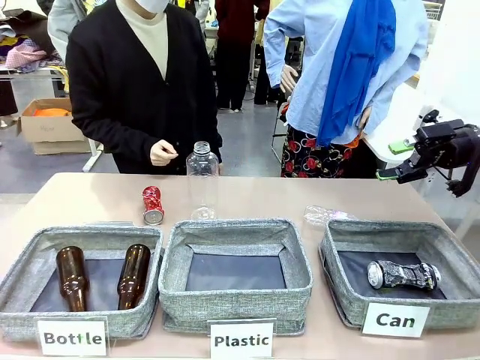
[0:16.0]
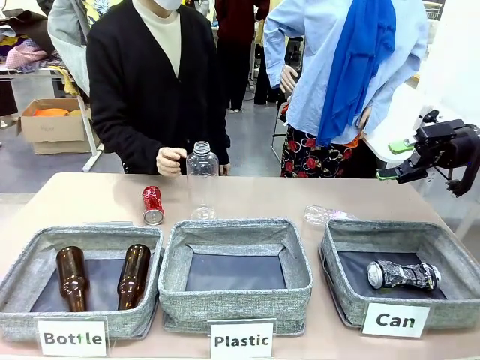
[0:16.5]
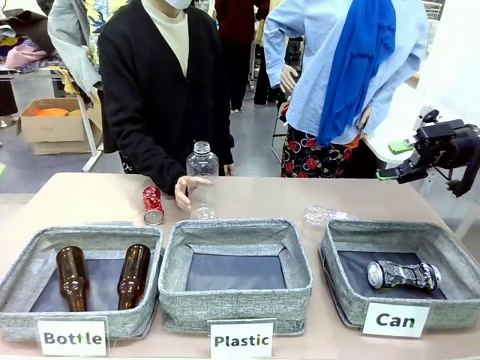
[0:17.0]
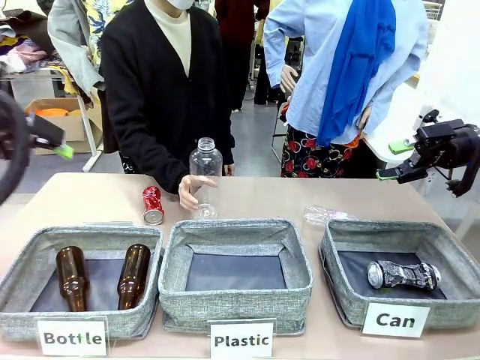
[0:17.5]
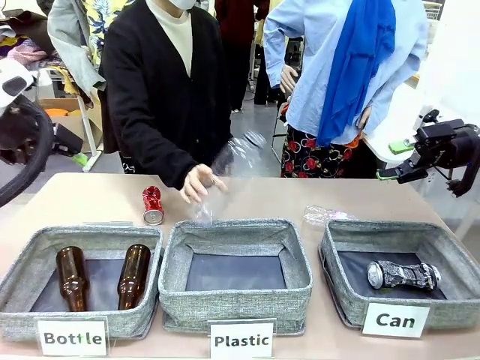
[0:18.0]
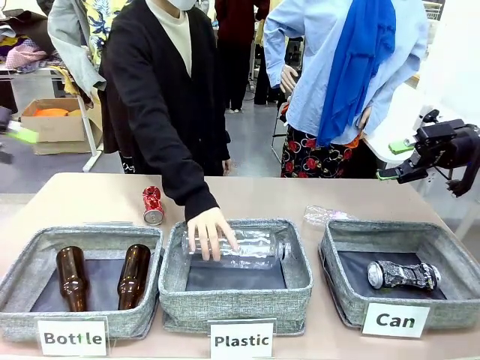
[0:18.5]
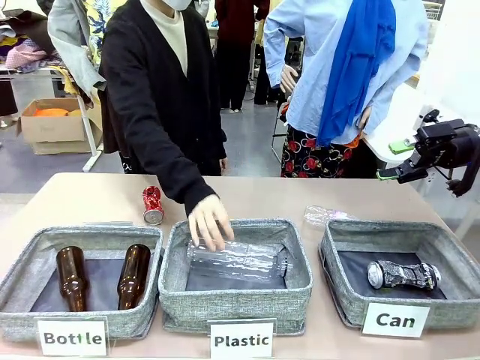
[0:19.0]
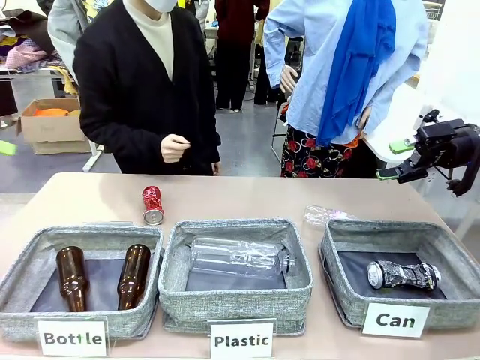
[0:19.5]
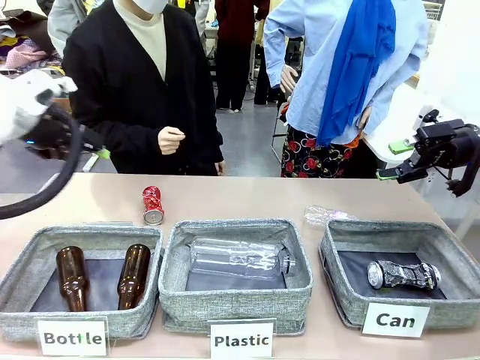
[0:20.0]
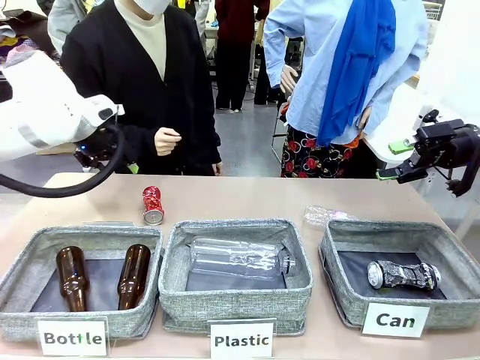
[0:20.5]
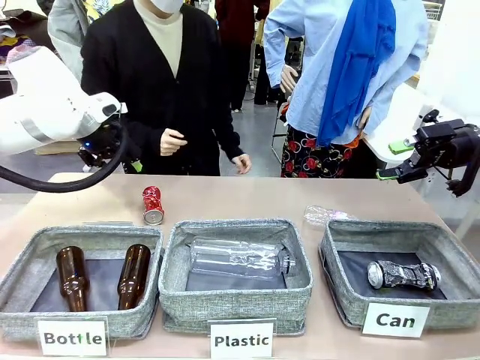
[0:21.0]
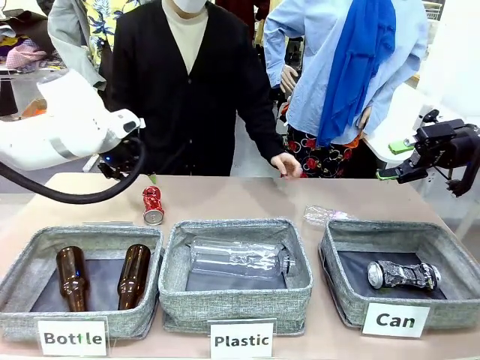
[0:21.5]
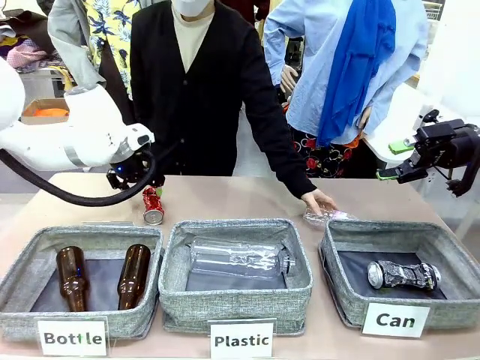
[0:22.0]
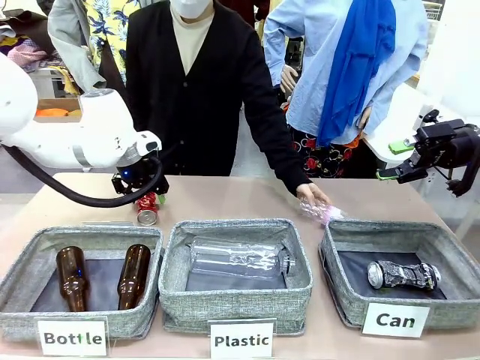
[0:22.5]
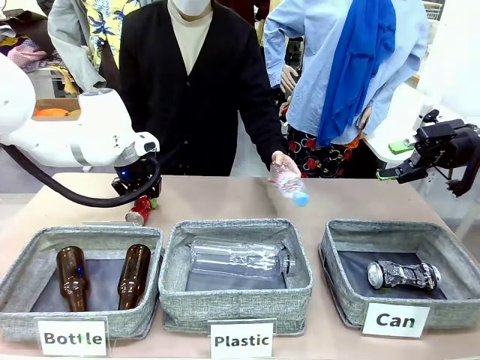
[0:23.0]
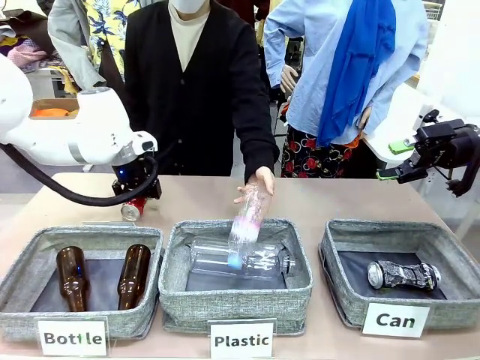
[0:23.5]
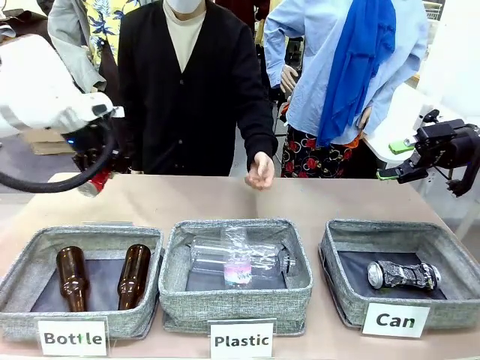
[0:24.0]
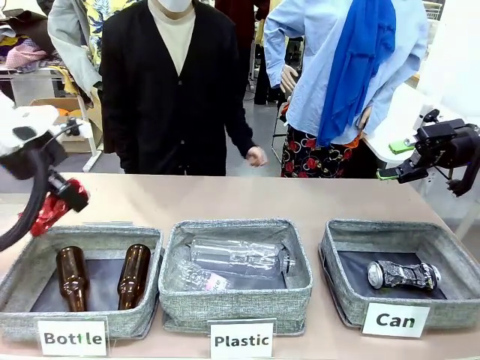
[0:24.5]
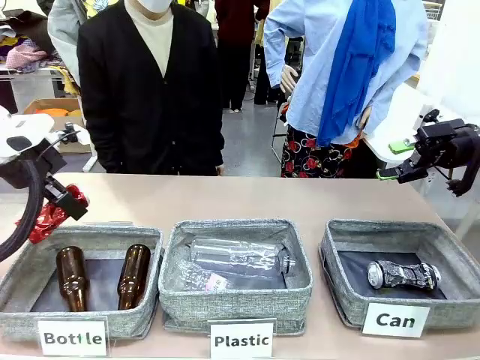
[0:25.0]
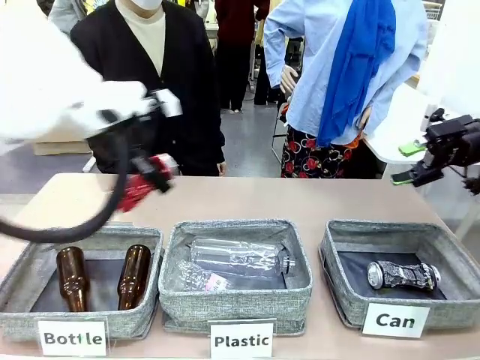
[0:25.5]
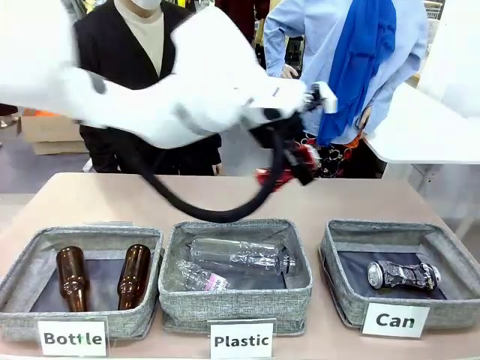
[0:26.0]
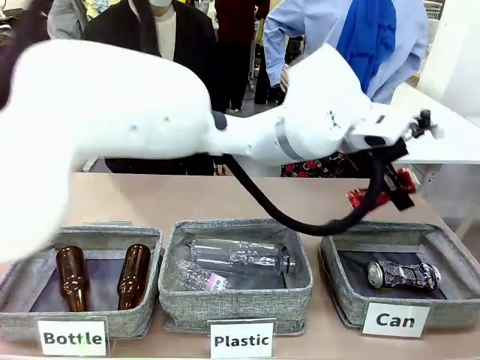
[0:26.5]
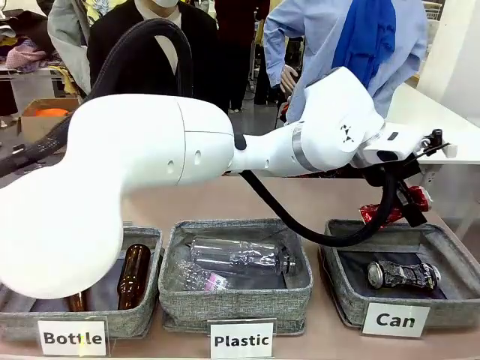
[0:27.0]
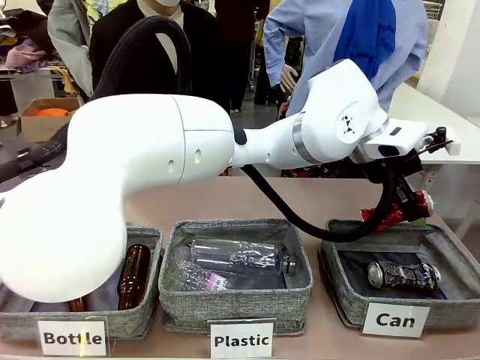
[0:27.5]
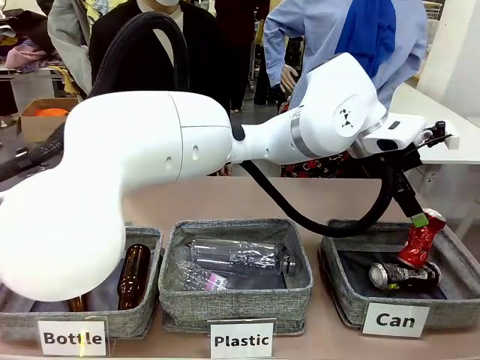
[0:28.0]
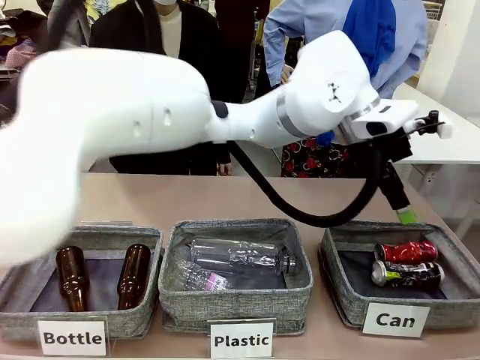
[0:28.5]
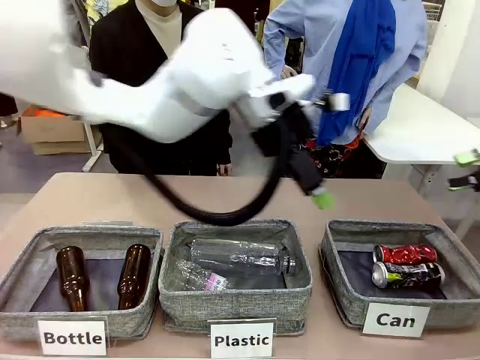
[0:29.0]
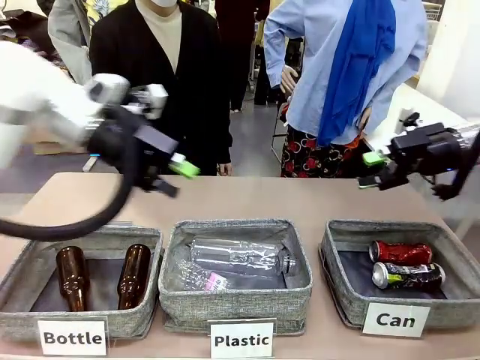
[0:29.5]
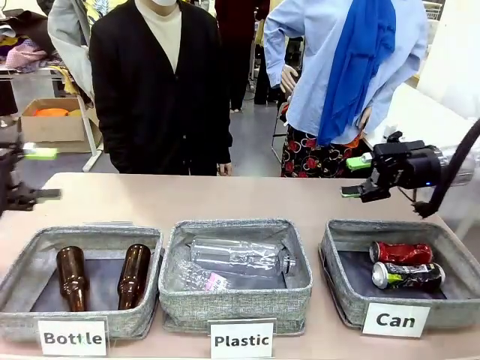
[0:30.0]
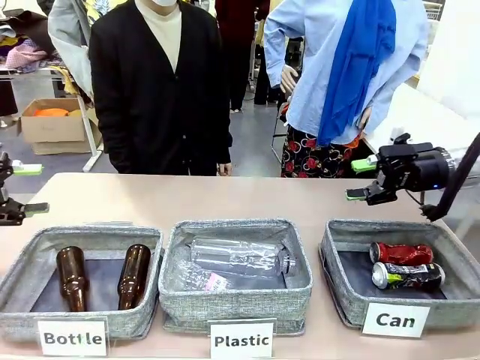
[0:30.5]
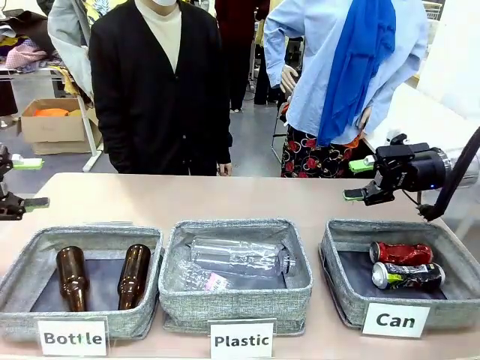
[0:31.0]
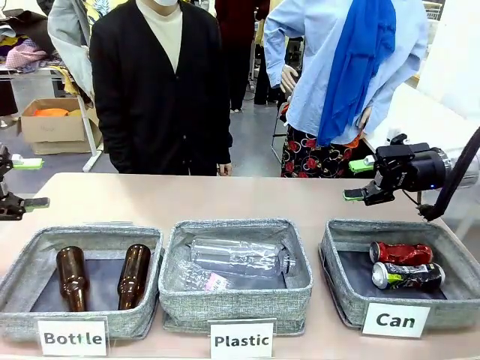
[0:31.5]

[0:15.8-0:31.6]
Task: Sort the can waste into the basket.
Robot: Pick up the can waste from the table and place it in the right Fabric basket.

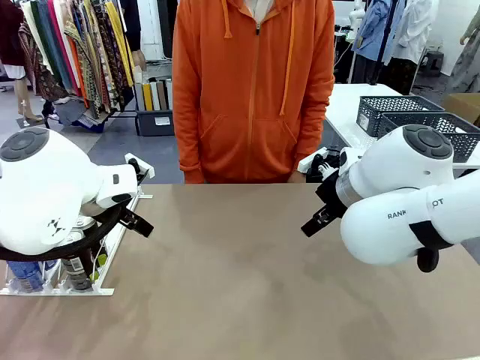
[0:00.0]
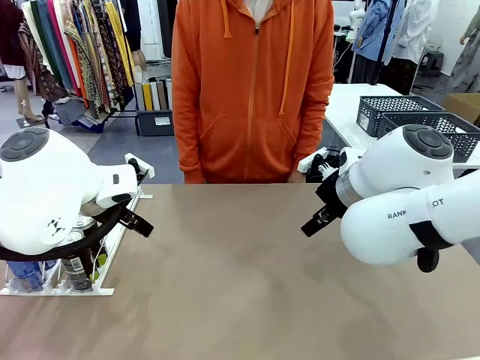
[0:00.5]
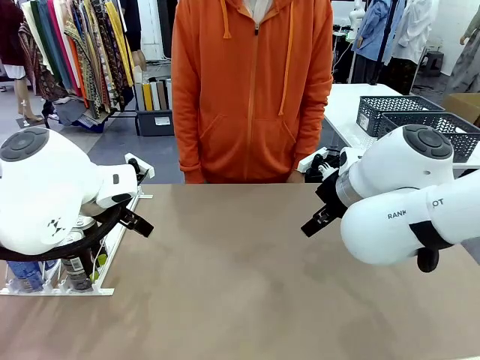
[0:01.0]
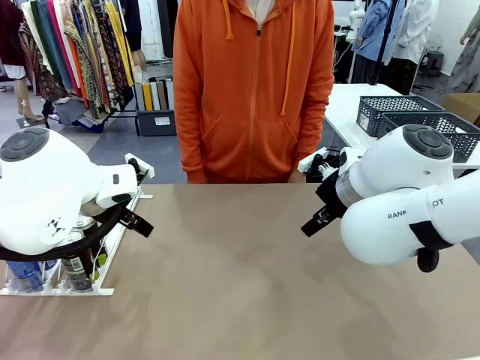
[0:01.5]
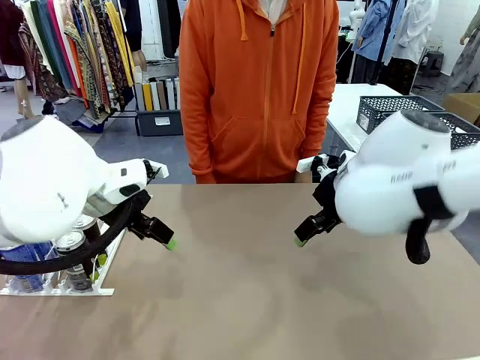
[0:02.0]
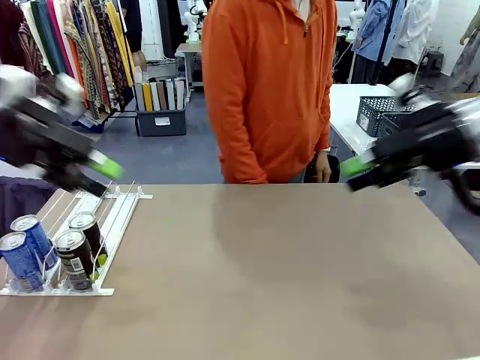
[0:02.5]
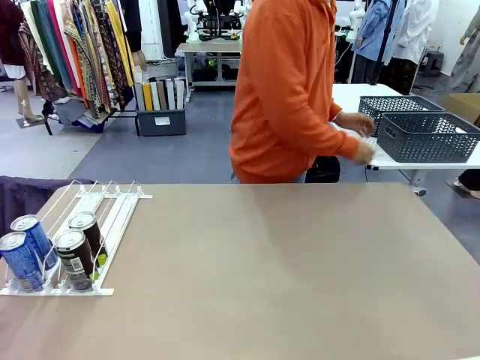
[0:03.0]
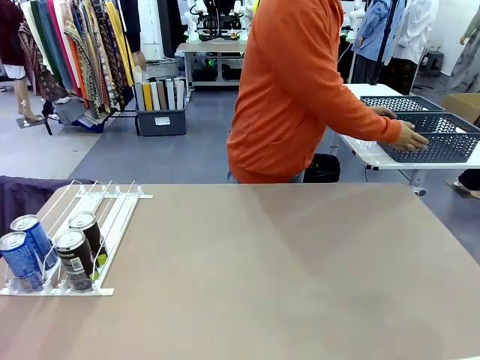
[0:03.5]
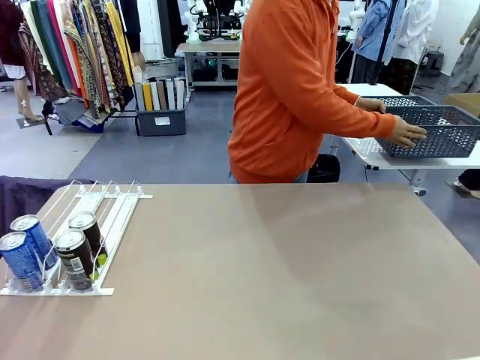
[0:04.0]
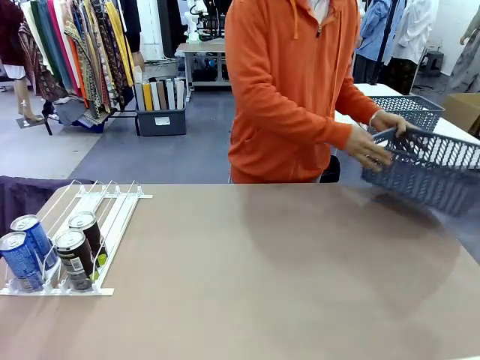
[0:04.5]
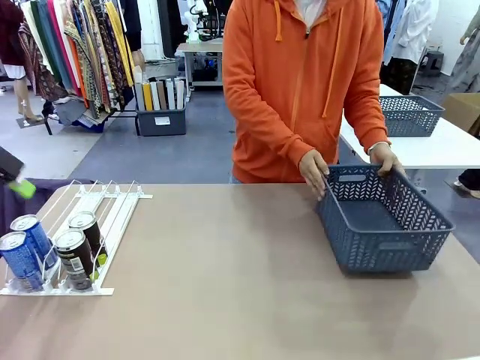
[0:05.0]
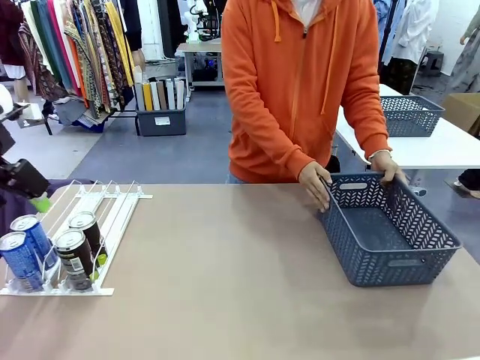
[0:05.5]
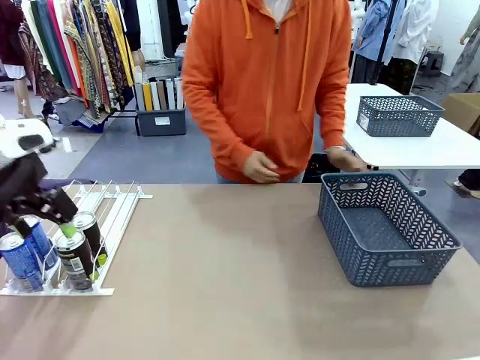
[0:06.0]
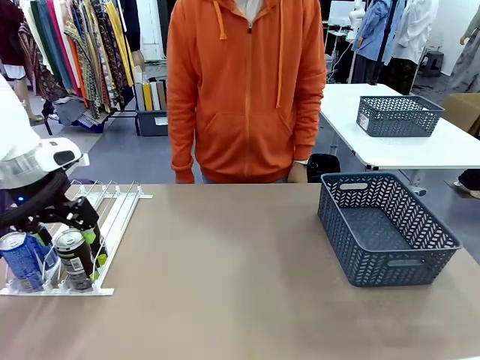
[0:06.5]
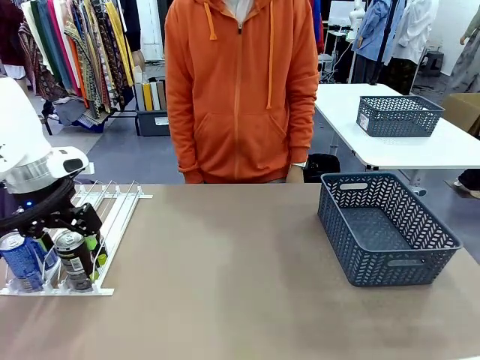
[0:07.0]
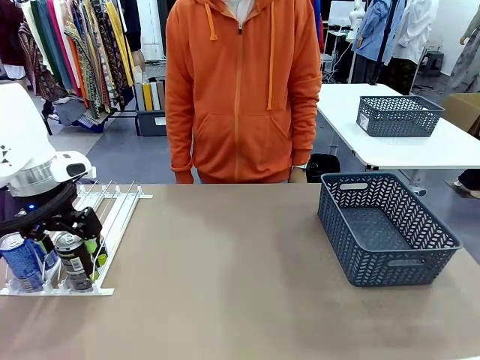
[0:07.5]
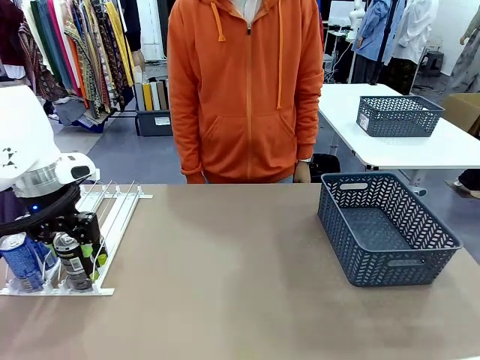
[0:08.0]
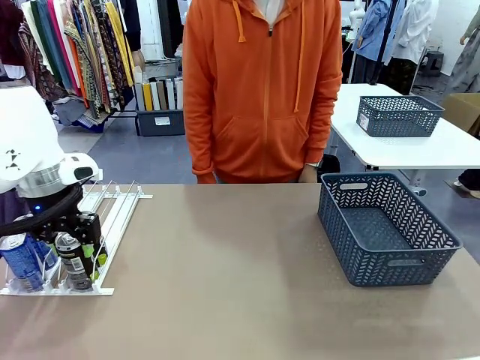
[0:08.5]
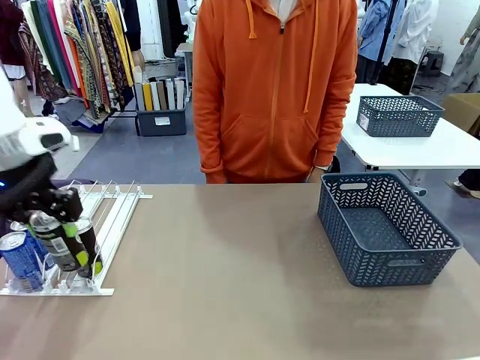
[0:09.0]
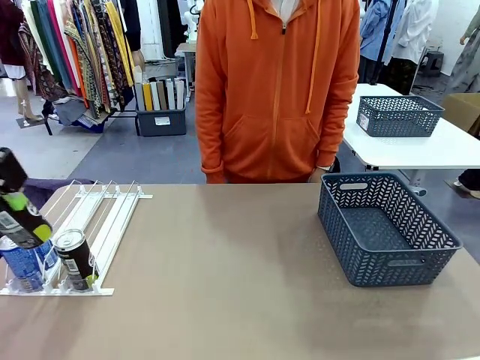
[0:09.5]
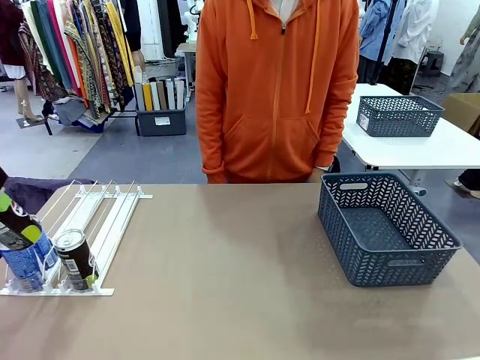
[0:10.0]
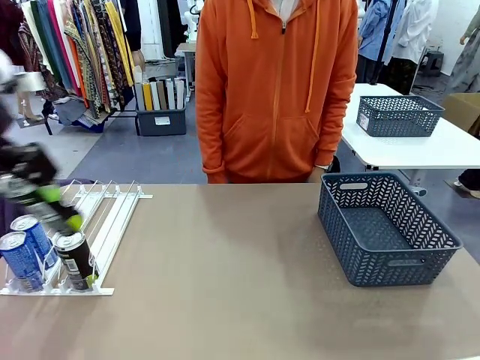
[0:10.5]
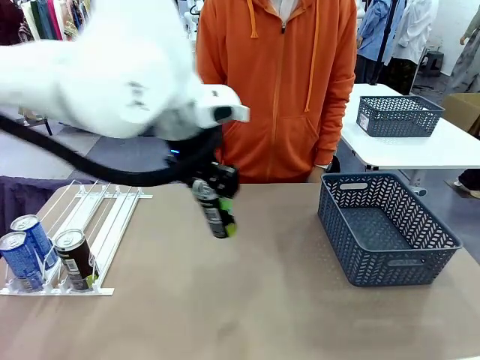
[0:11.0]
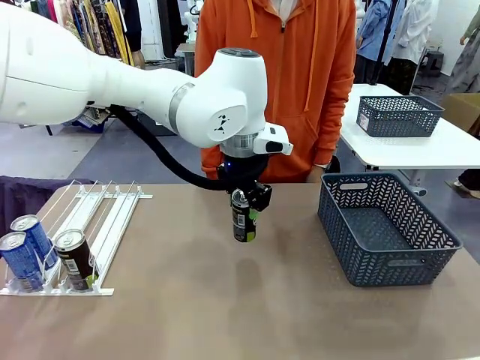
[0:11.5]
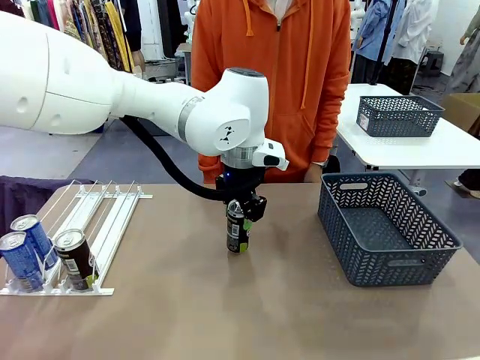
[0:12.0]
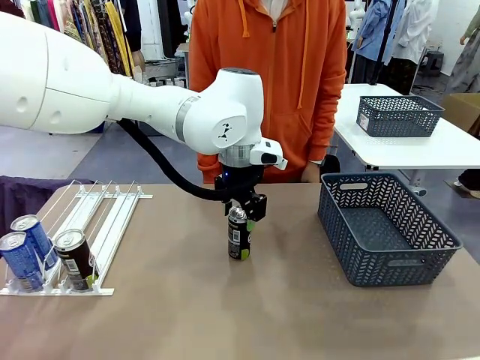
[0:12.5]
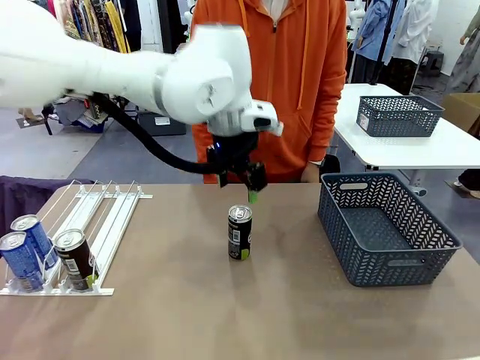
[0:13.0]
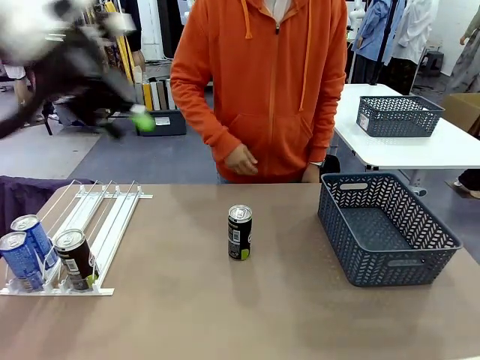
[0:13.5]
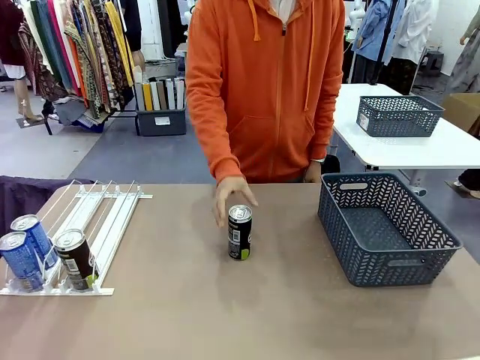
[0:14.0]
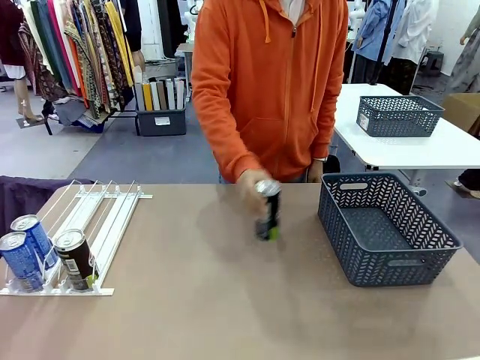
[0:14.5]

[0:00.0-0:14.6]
Task: Retrieve and store the cans from the dispenser.
Robot: Pick up one can from the Automatic Can Dispenser and place it in the middle of the table.
Person: Pick up the basket and place it on the left side of the robot table.
